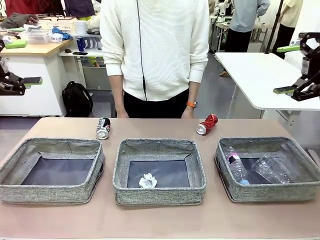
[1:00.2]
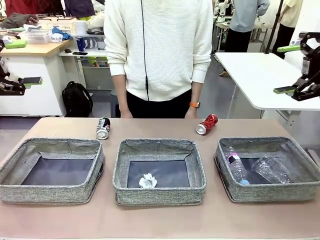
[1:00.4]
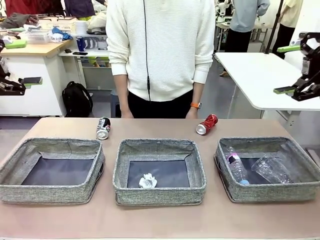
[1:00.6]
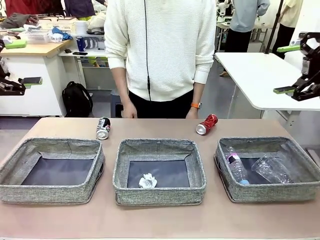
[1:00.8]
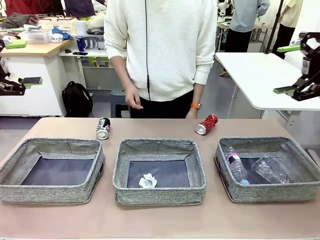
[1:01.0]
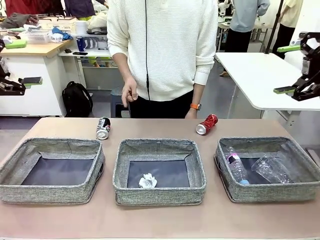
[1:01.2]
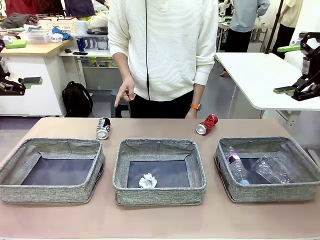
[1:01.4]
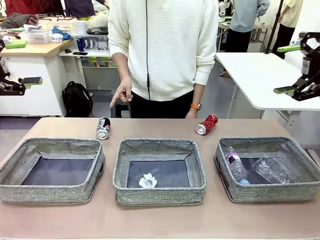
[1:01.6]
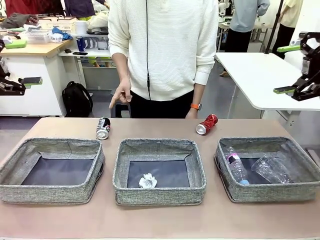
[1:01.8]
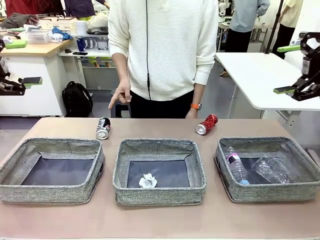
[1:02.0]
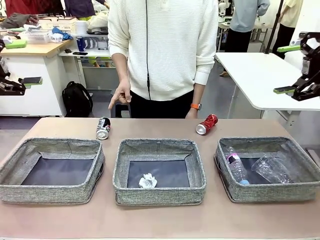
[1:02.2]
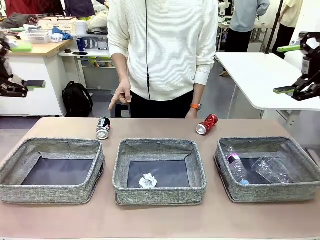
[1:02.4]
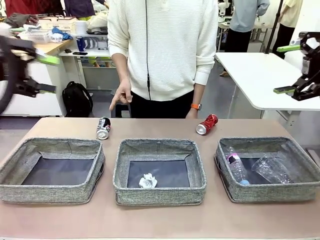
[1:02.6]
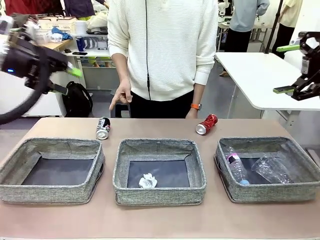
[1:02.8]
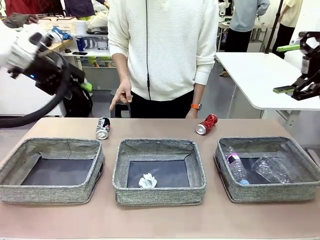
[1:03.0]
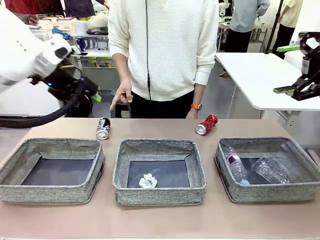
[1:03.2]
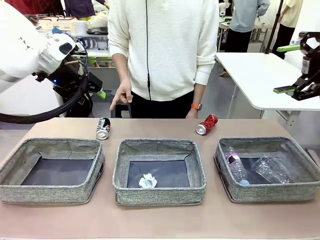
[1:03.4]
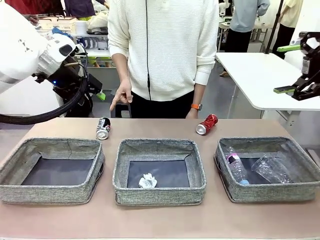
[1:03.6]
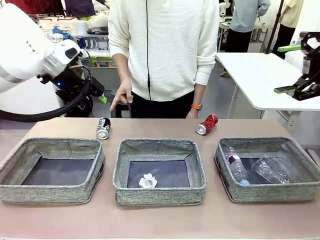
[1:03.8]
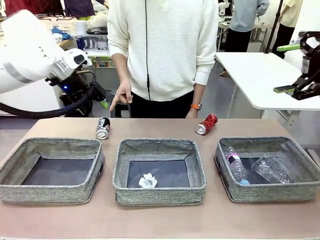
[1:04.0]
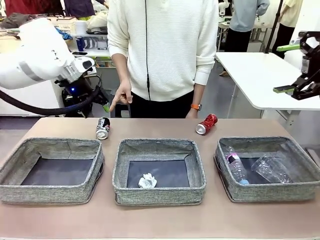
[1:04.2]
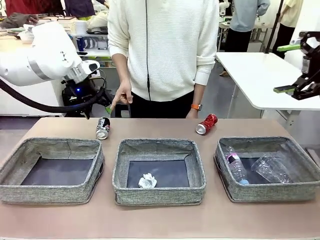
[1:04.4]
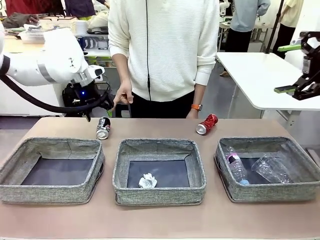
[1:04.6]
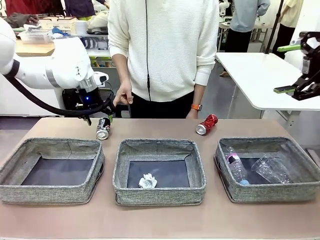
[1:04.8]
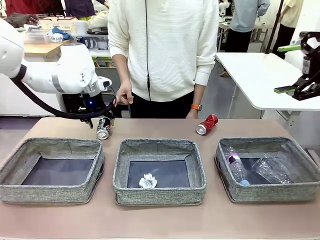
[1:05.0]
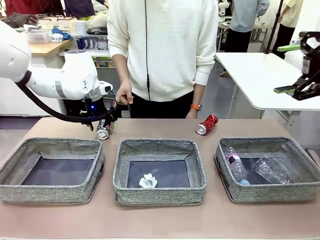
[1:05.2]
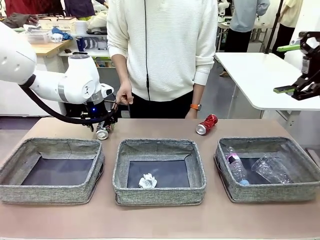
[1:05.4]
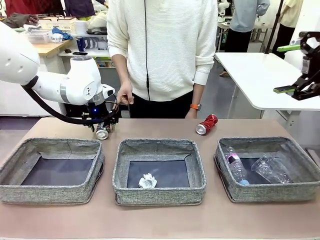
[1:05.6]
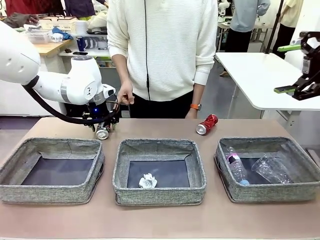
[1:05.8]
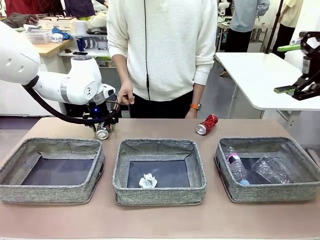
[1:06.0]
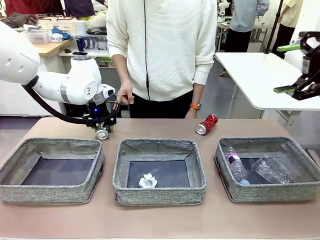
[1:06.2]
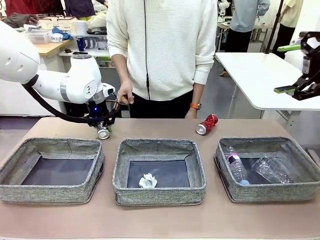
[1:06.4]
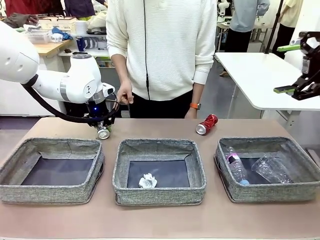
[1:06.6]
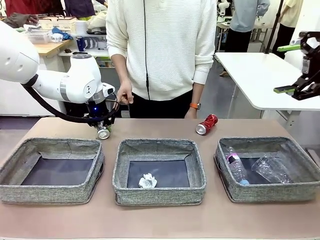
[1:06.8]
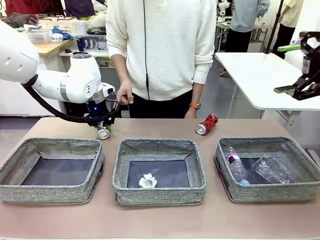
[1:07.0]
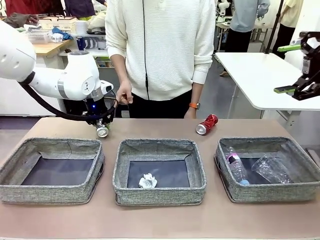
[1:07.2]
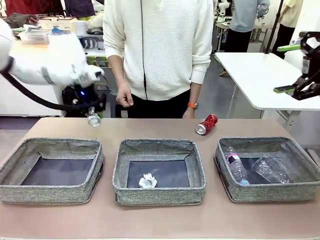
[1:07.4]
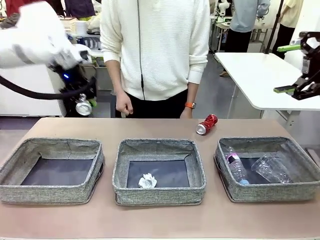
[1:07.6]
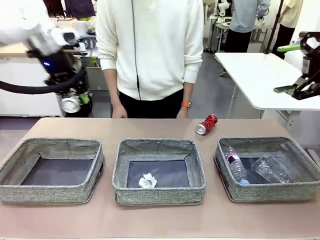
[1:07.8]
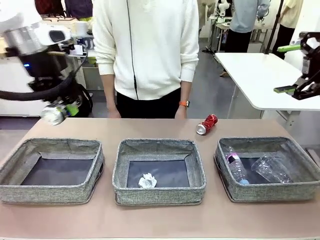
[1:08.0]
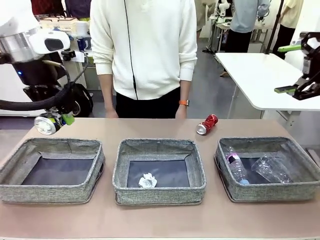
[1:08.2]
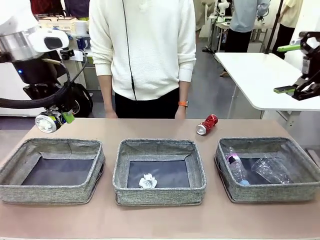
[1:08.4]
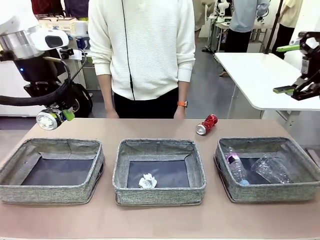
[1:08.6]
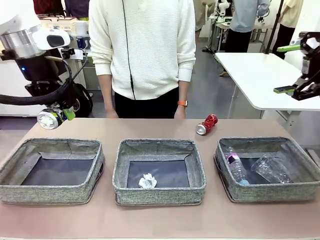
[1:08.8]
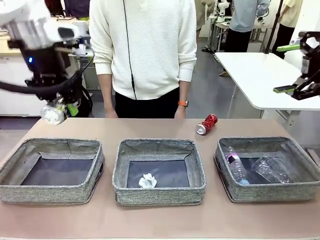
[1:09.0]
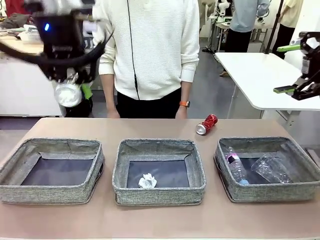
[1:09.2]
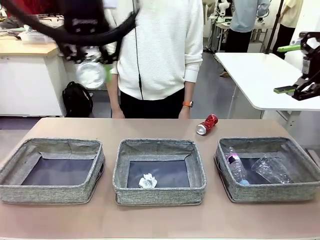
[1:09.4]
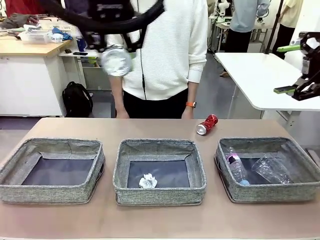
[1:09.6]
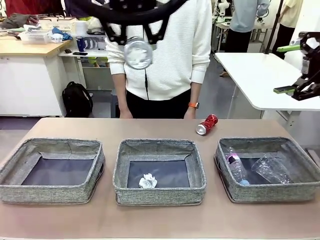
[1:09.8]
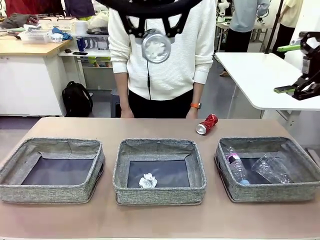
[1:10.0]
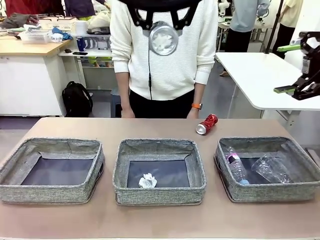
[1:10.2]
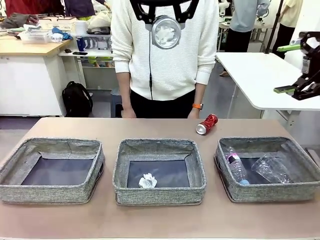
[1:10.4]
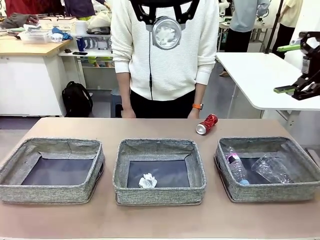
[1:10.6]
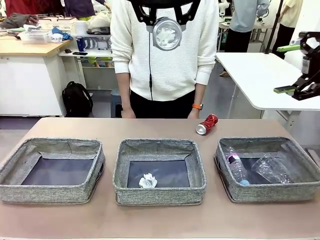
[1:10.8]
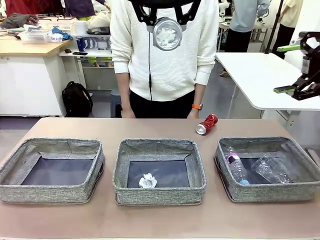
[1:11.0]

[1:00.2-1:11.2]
Task: Sort the waste into the appropriate baskets.
Robot: Pick up the waste item pointed out by the person.
Person: Points to one piece of trash on the table.

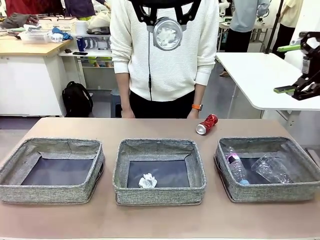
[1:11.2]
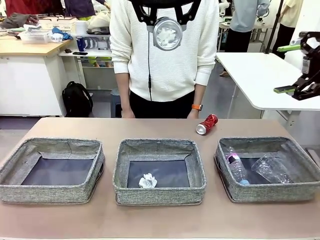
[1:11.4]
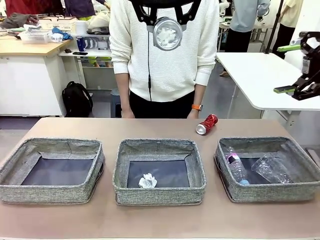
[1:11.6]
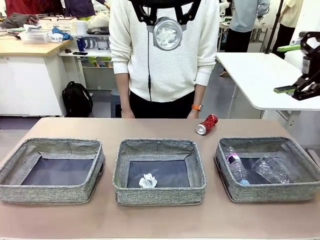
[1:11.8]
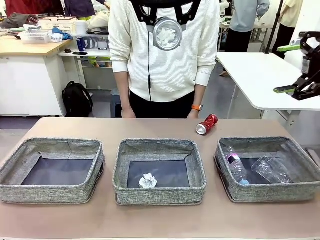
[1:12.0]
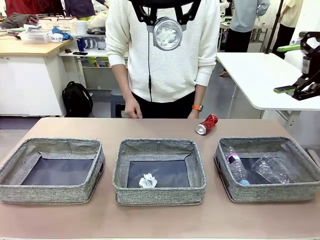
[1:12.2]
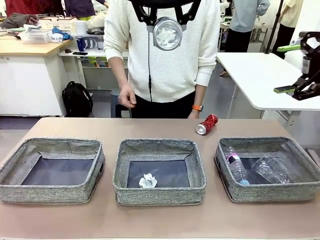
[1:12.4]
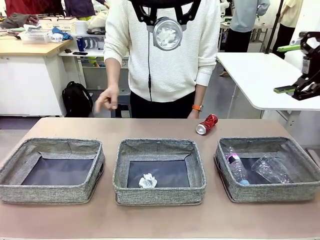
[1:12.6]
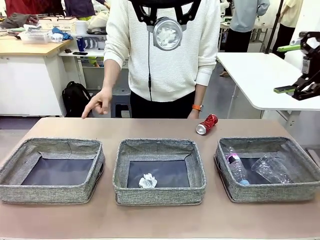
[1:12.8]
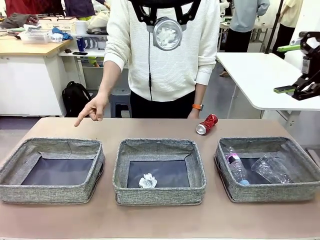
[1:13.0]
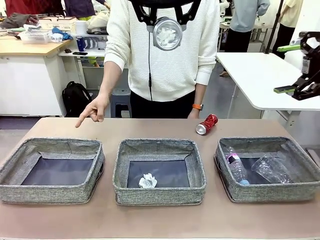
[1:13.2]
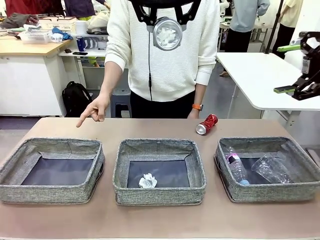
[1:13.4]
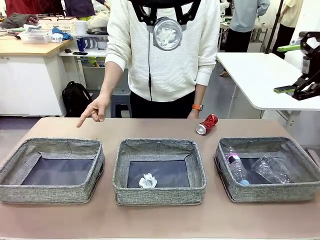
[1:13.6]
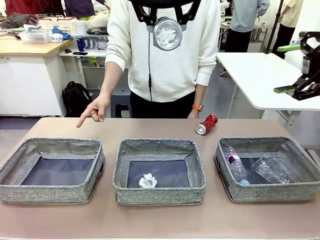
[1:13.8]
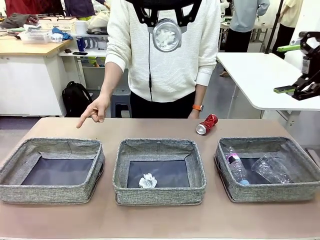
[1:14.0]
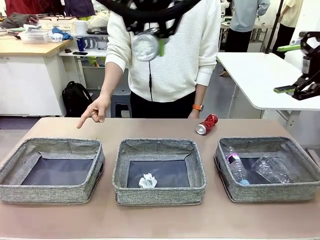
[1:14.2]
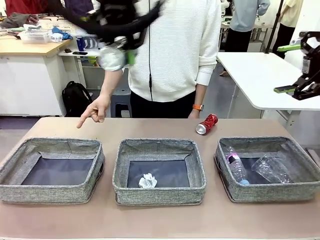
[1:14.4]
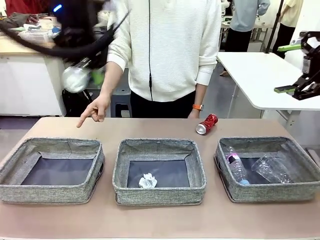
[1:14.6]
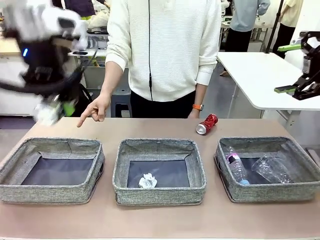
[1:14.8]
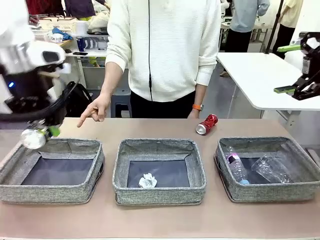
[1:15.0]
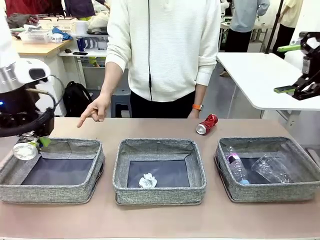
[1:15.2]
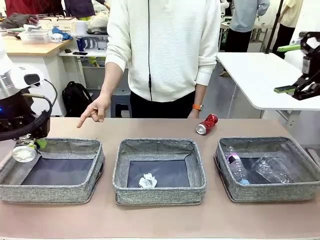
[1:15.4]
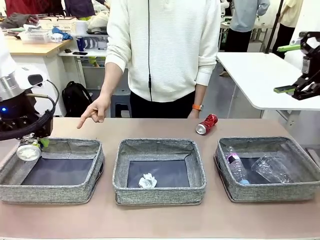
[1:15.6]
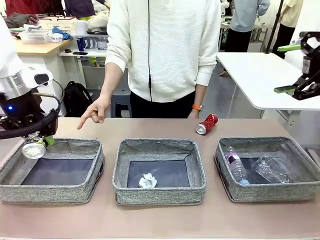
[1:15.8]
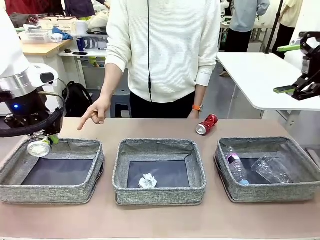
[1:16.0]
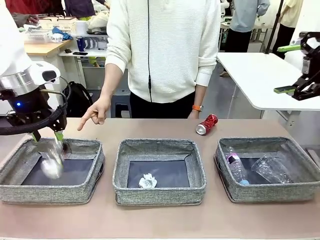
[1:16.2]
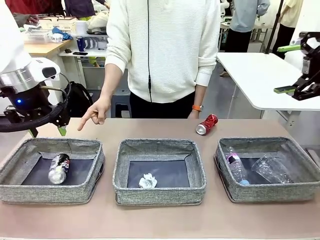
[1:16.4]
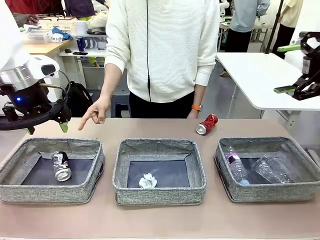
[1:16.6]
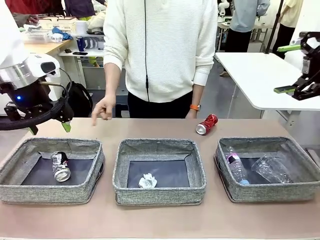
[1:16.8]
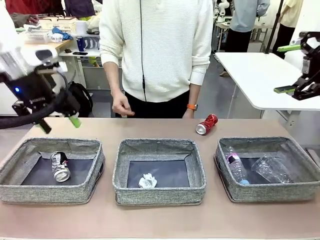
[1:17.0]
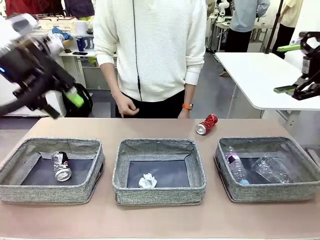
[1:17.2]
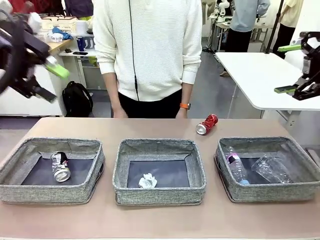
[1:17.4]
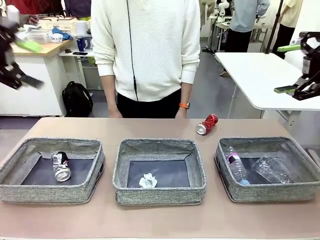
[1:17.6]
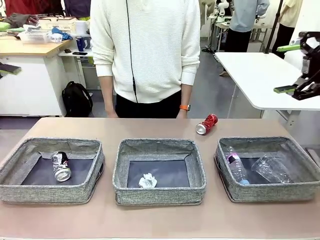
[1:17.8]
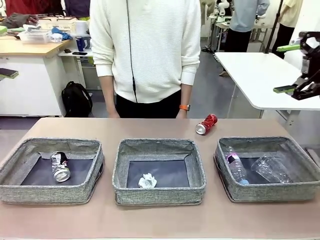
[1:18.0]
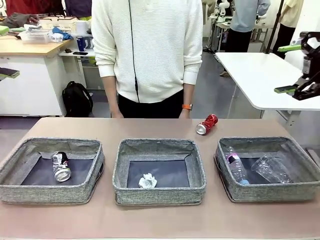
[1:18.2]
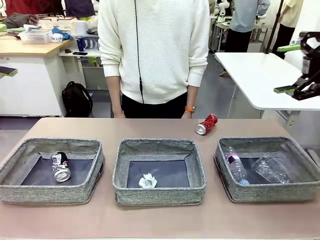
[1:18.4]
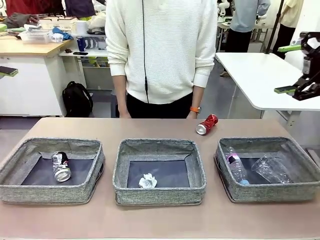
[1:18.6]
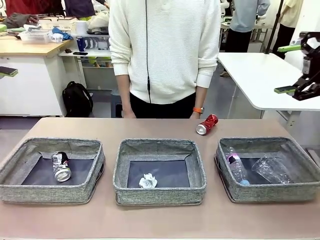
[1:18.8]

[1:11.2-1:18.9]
Robot: Place the picked waste into the Fabric basket indicated by the person.
Person: Instructs the robot to place the picked-up trash into the appropriate organizing basket.
